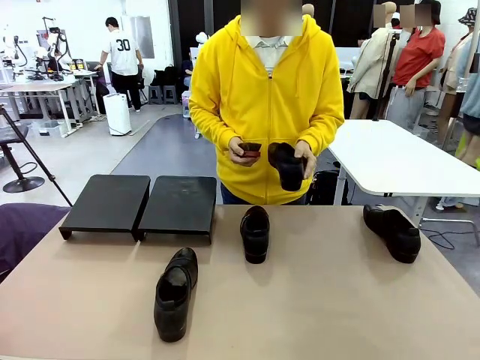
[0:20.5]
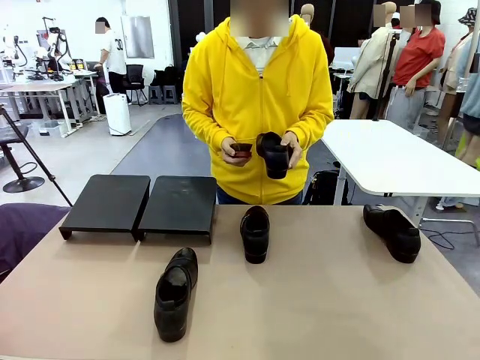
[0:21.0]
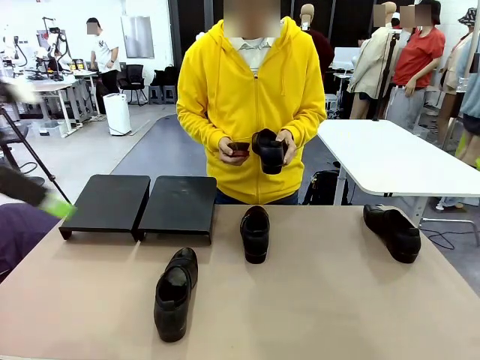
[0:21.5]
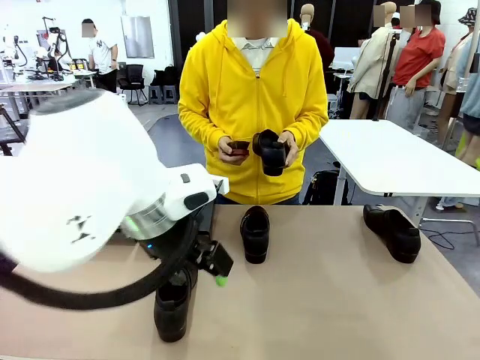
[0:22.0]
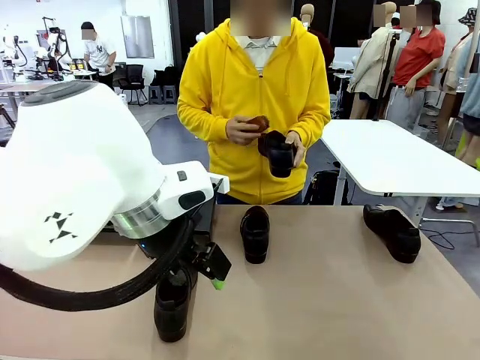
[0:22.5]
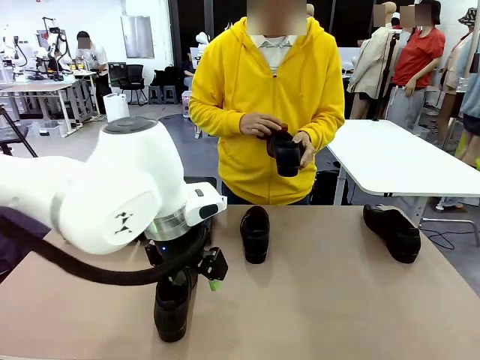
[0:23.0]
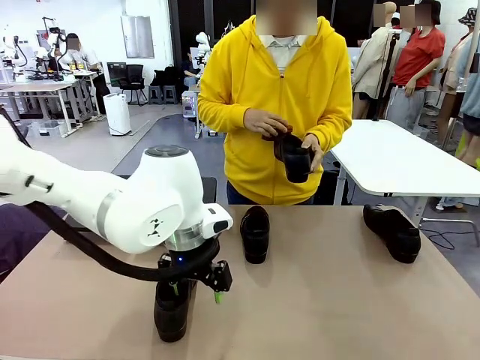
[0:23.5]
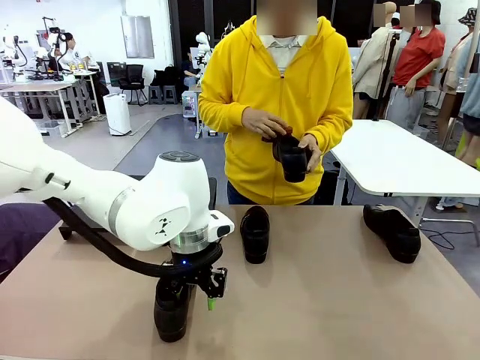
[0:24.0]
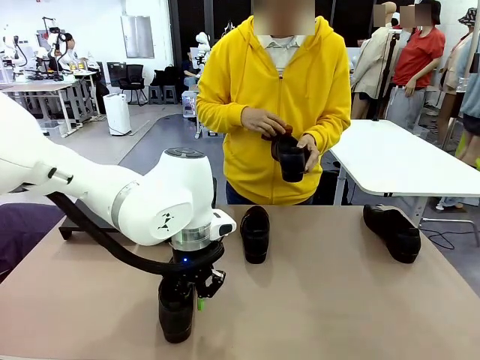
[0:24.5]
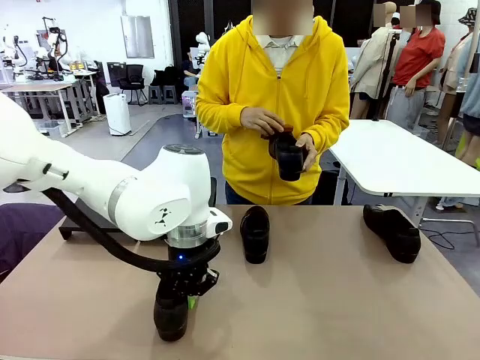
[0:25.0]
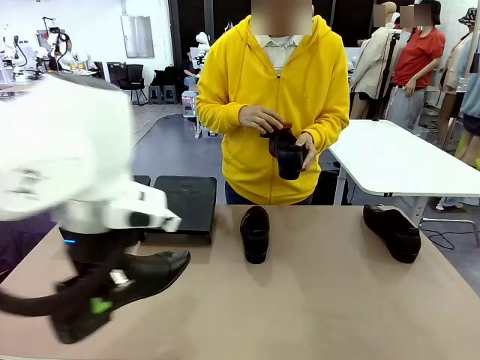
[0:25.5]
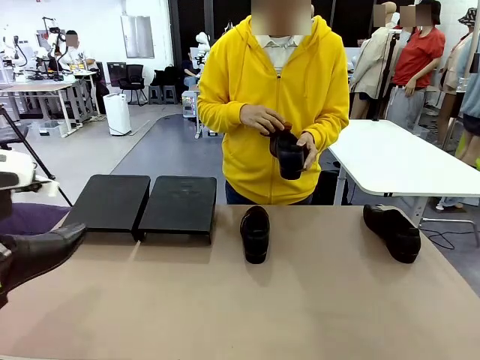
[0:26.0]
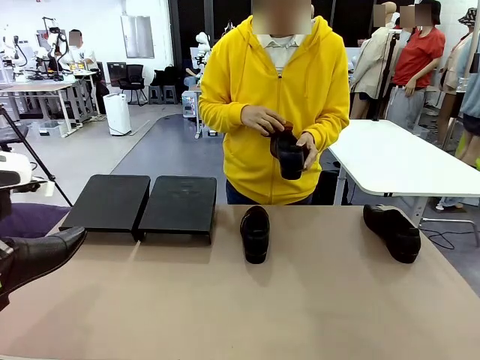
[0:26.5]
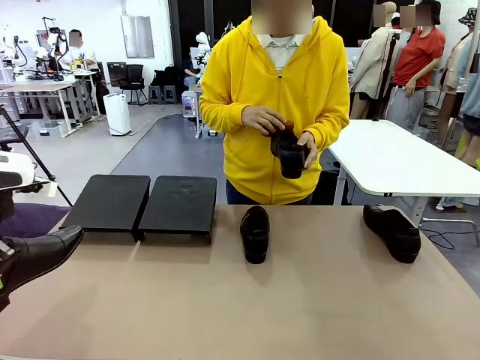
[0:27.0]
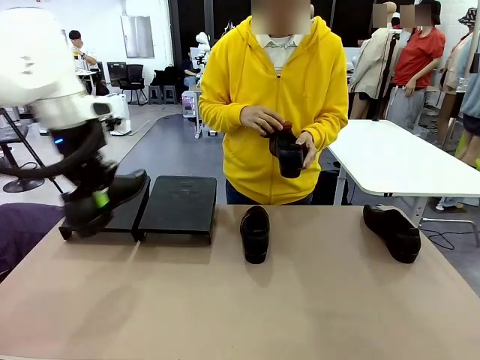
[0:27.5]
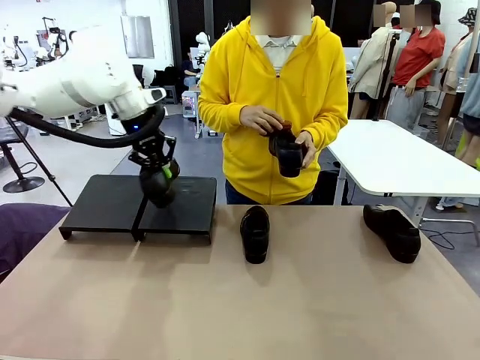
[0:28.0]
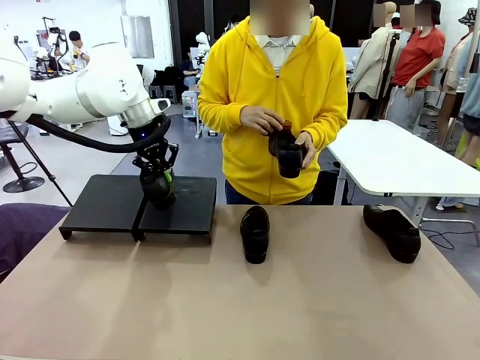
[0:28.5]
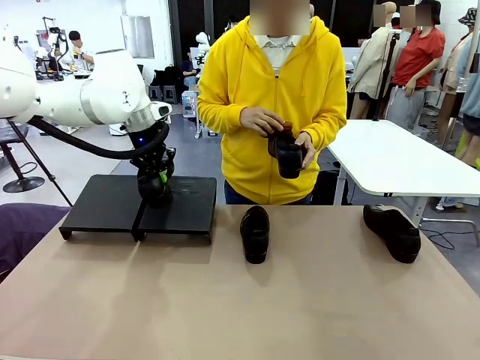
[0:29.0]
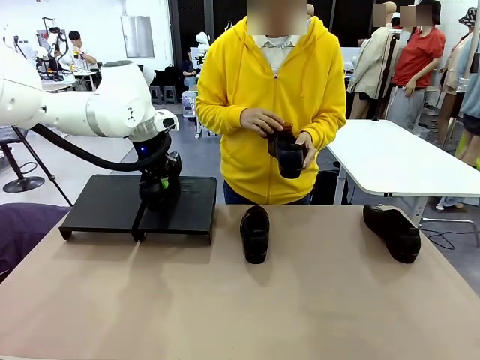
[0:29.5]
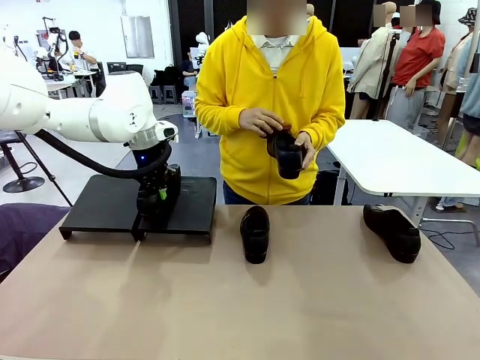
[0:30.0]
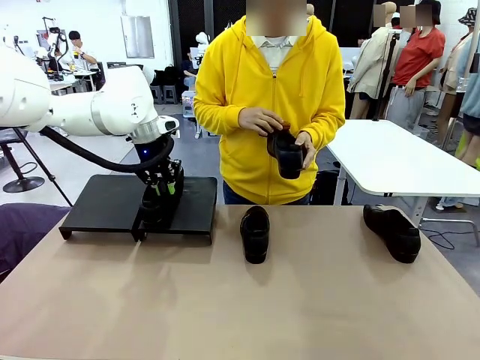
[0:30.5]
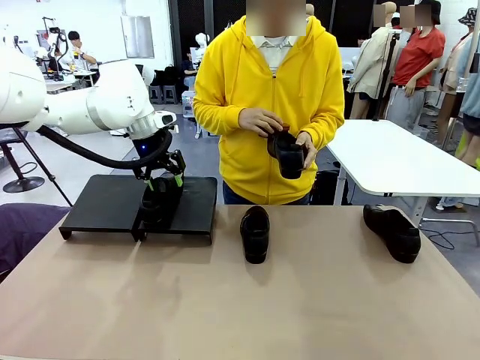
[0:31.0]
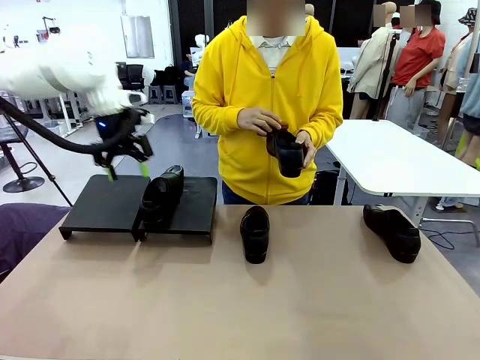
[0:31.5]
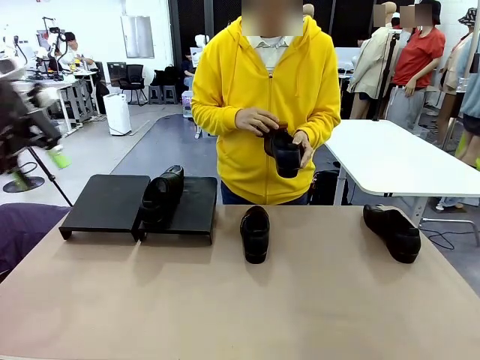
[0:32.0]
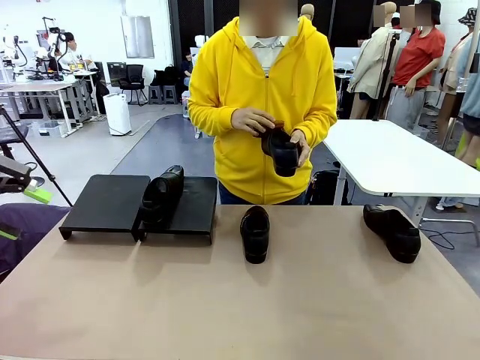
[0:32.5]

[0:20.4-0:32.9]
Task: Organize the shoes by placing them on the stand.
Robot: Place the Shoe from the middle of the table onto the Shoes Stand.
Person: Clean the Shoe with the Shoe Brush.

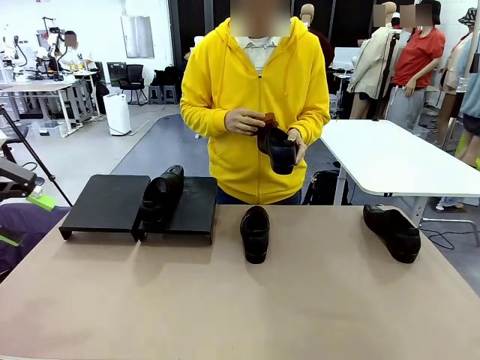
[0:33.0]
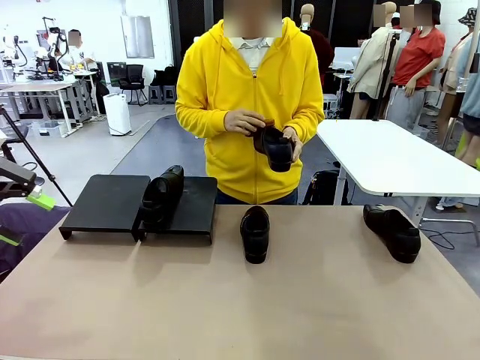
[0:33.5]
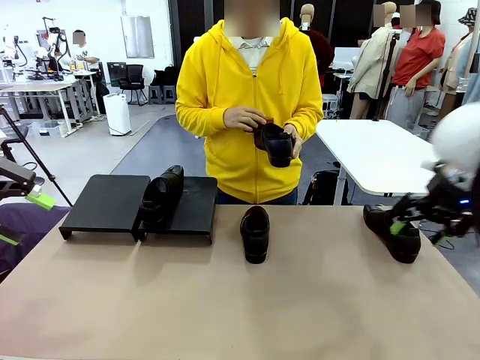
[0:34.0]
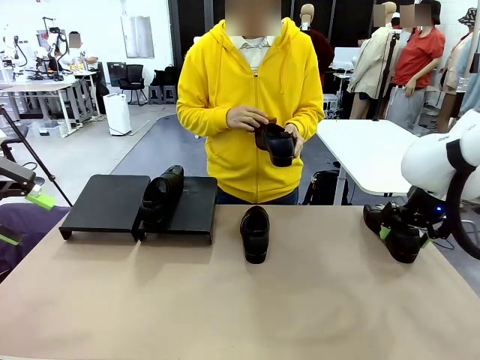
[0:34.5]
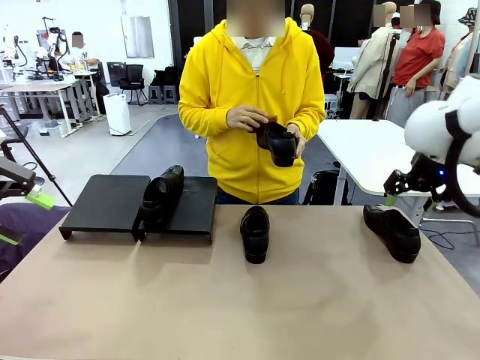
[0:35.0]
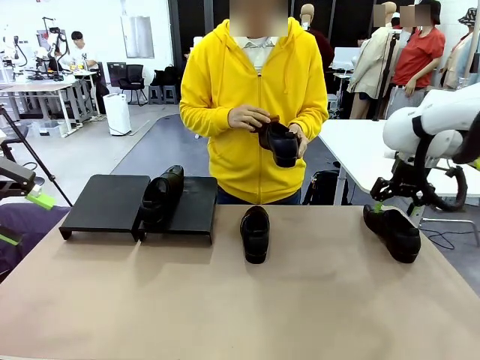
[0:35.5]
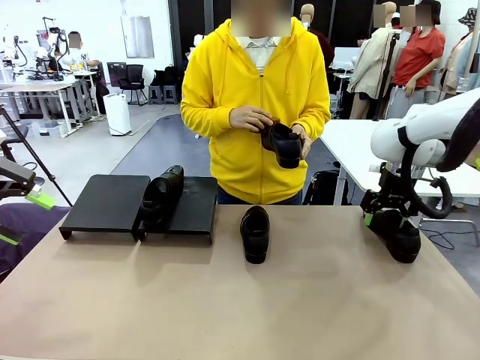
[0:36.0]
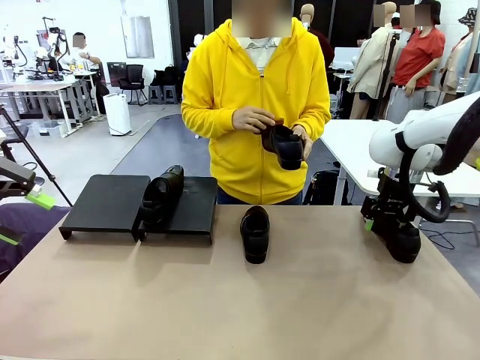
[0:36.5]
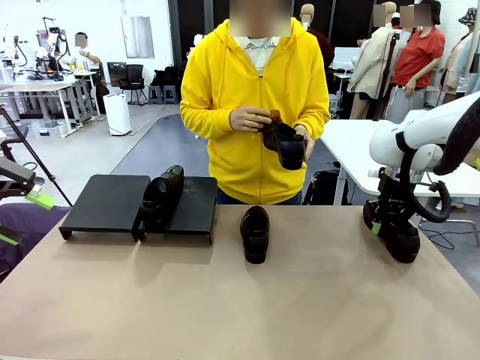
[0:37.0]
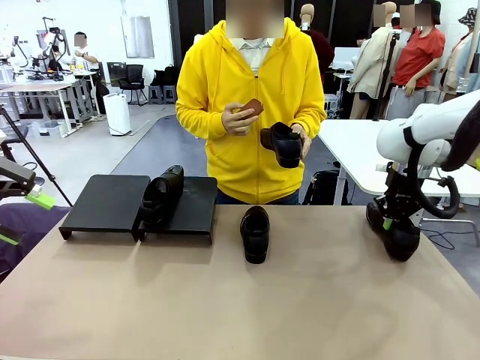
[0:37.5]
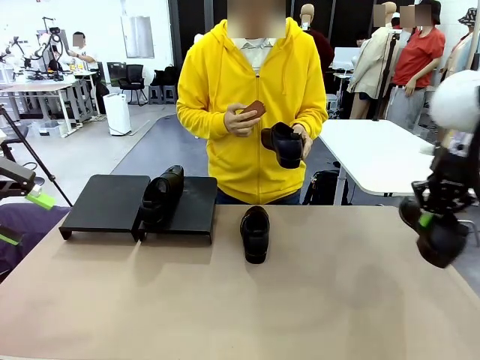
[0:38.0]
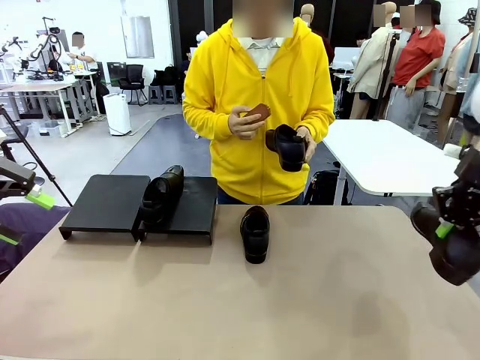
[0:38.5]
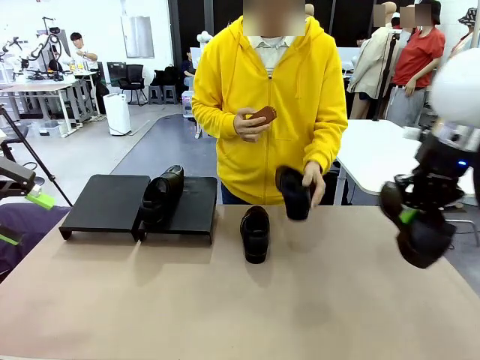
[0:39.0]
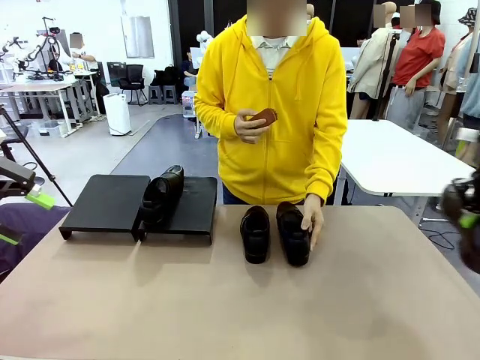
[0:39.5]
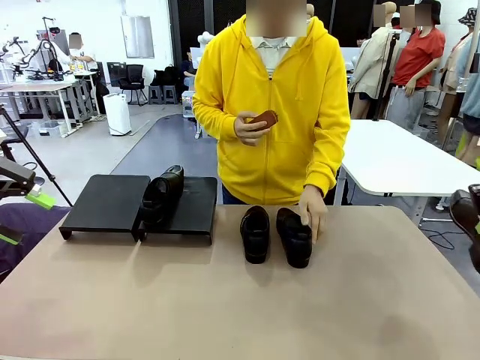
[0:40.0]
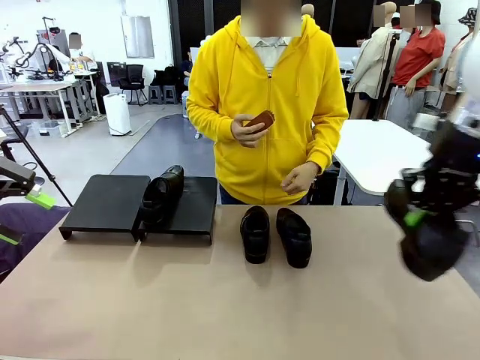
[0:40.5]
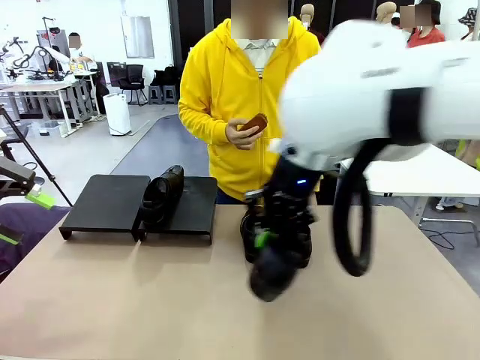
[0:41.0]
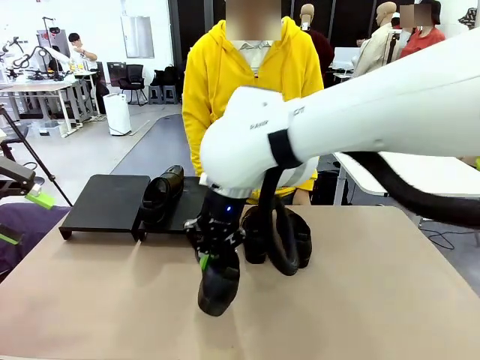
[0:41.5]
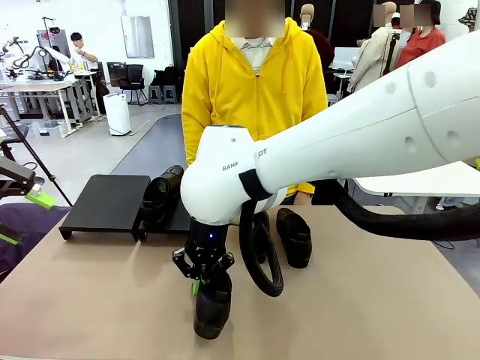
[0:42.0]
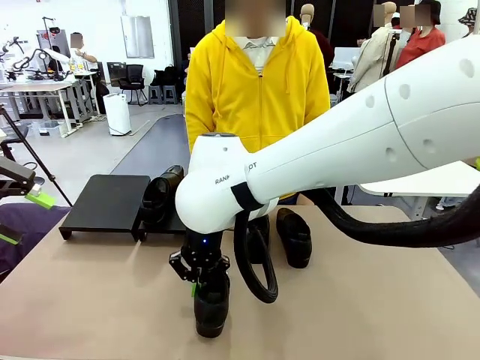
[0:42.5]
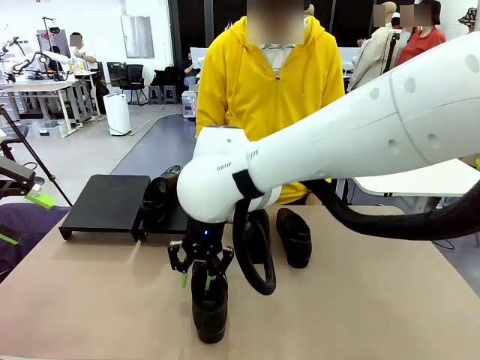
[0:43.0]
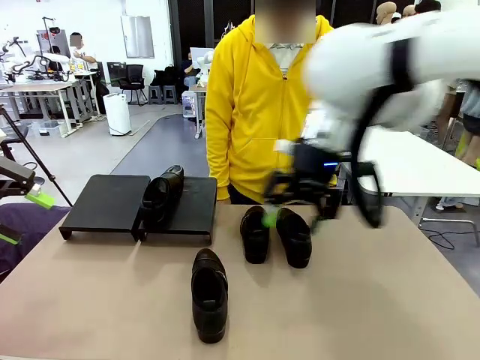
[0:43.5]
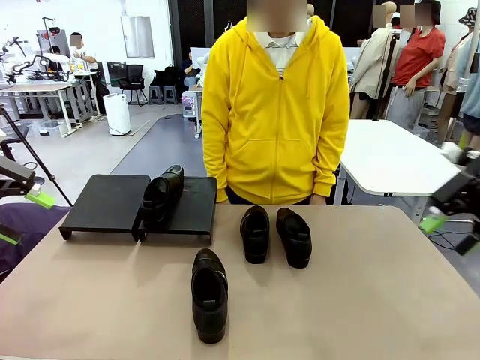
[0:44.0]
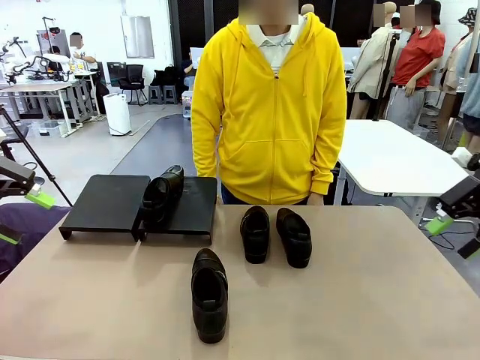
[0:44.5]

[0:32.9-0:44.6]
Robot: Pick up one Shoe and place it in the middle of the table.

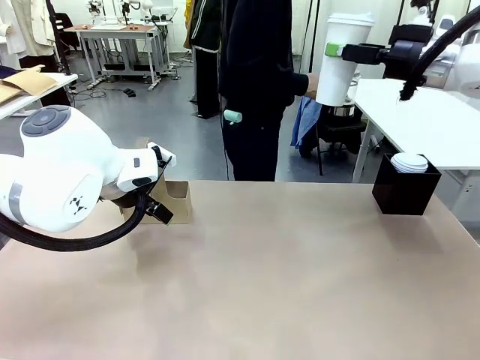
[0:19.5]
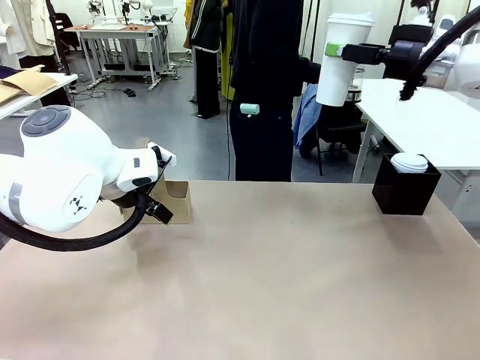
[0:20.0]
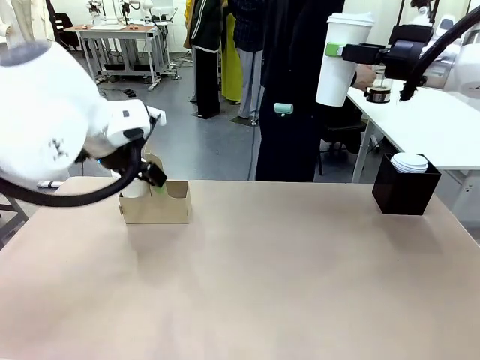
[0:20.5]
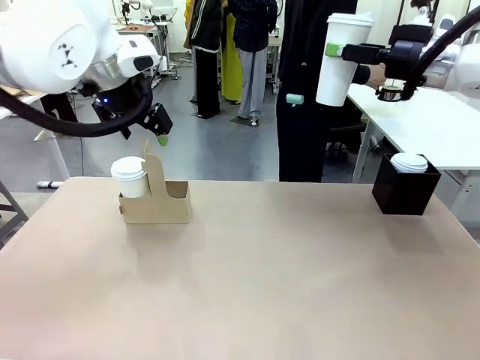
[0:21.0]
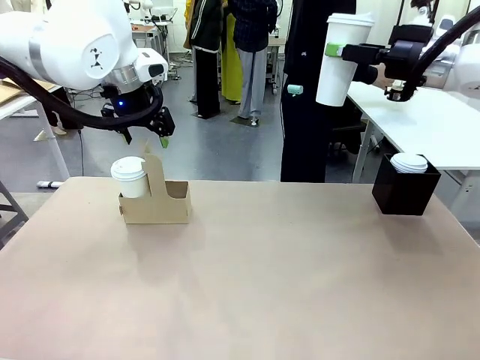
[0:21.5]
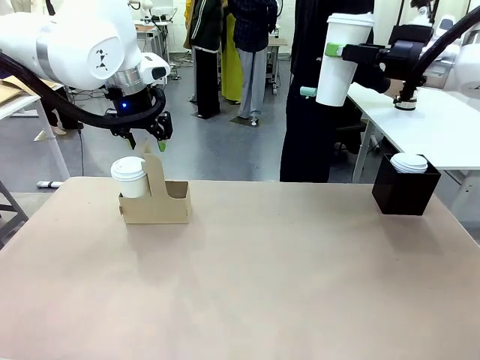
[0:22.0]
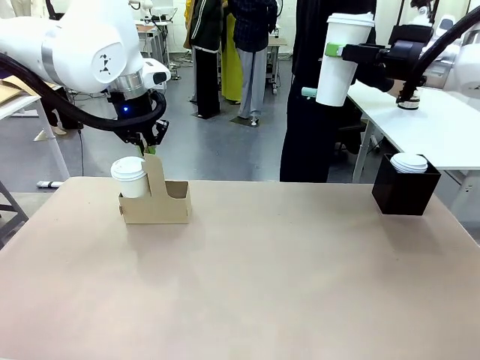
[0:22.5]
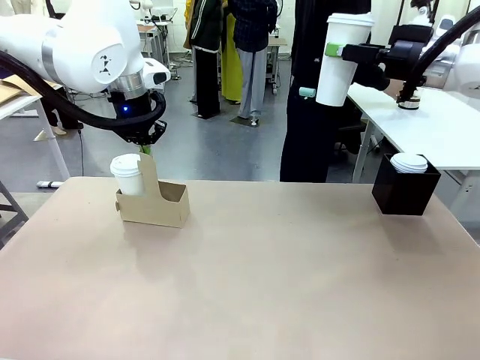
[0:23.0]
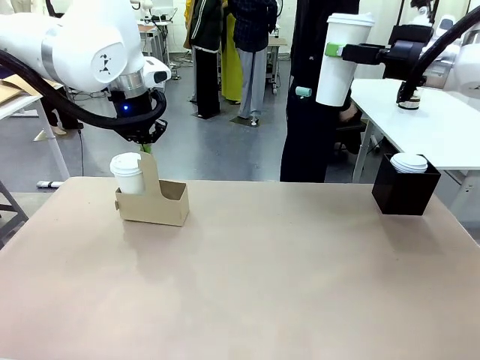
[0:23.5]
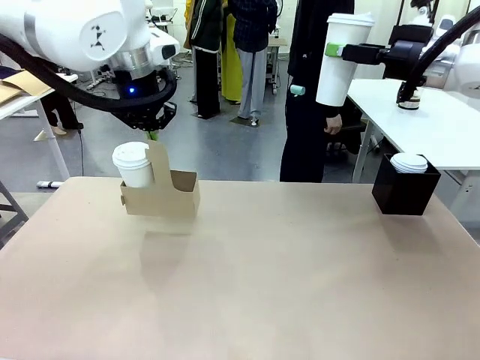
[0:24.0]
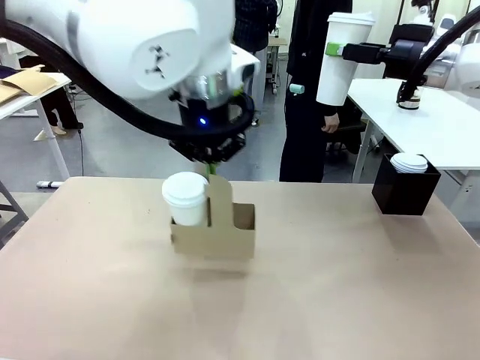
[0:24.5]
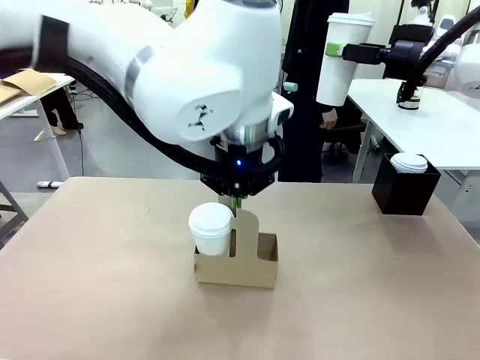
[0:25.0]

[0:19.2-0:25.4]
Task: Pour a drink into a cup and package it in a carrier.
Robot: Position the Cup Carrier in the center of the table.
Person: Pick up the Filter Brewing and place on the middle of Human table, and return to the Robot table.
